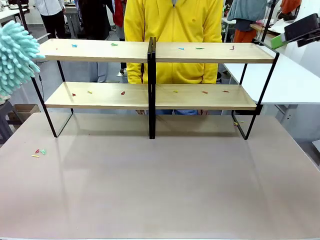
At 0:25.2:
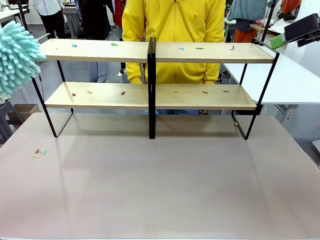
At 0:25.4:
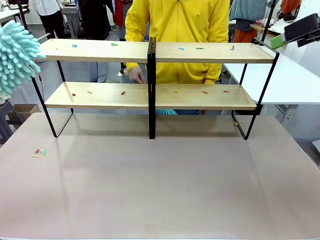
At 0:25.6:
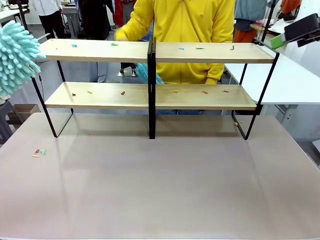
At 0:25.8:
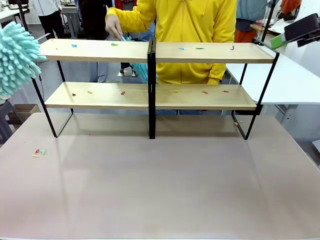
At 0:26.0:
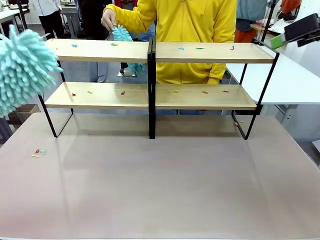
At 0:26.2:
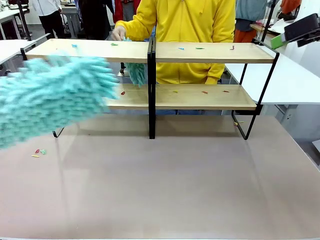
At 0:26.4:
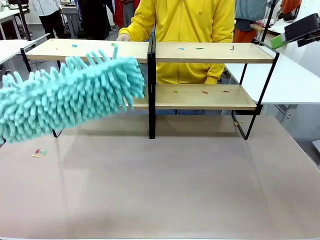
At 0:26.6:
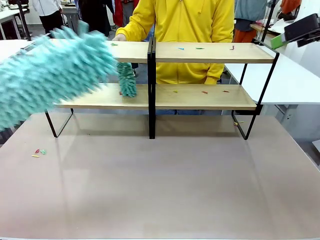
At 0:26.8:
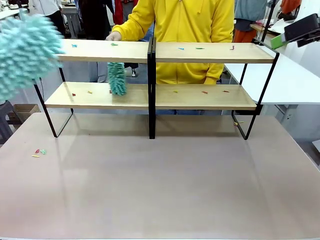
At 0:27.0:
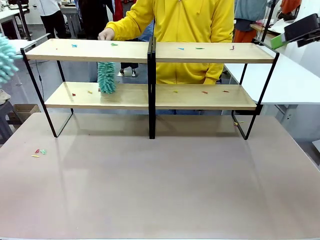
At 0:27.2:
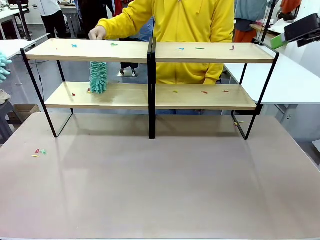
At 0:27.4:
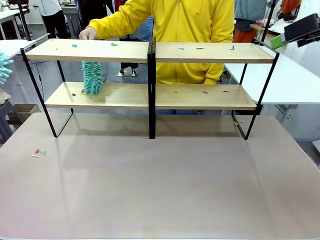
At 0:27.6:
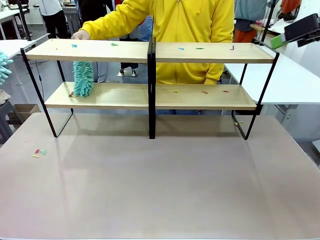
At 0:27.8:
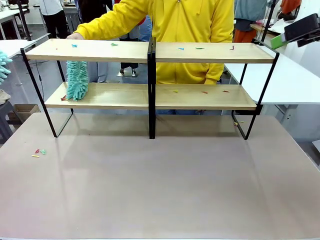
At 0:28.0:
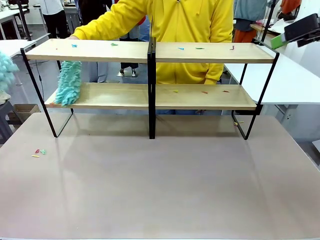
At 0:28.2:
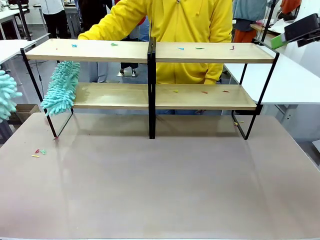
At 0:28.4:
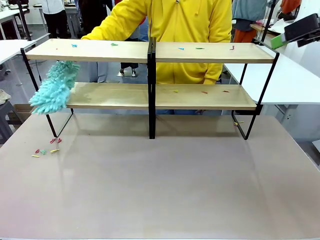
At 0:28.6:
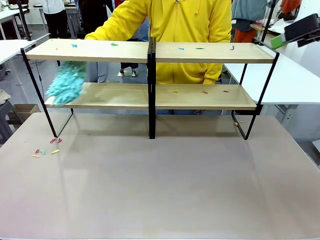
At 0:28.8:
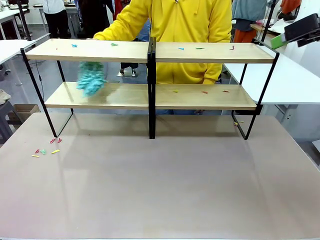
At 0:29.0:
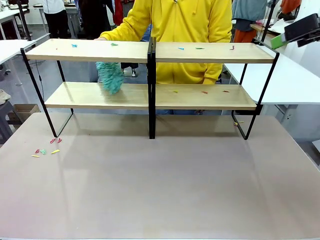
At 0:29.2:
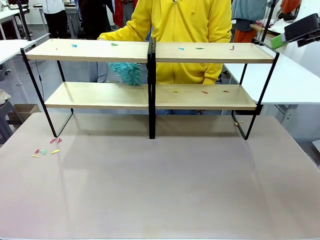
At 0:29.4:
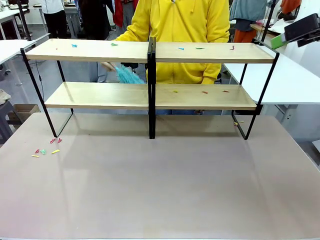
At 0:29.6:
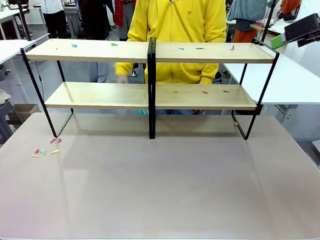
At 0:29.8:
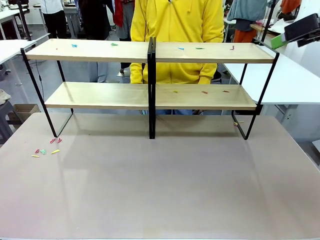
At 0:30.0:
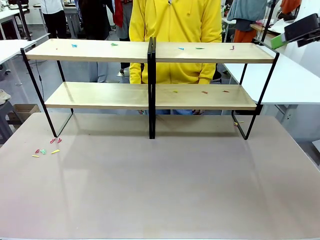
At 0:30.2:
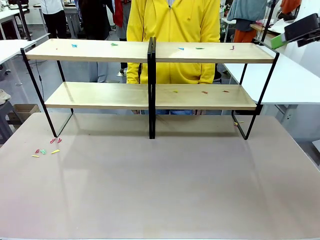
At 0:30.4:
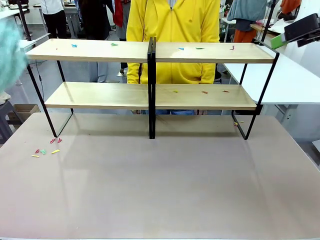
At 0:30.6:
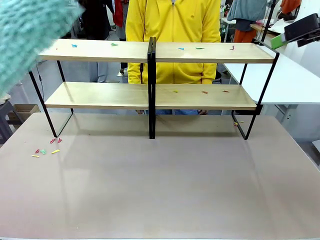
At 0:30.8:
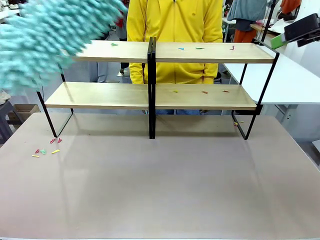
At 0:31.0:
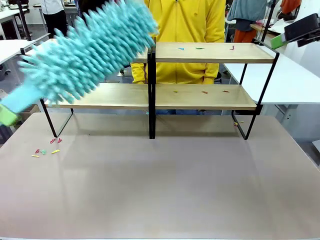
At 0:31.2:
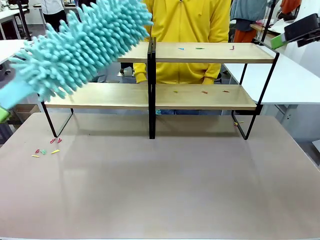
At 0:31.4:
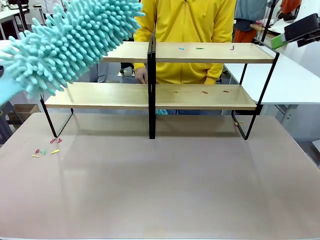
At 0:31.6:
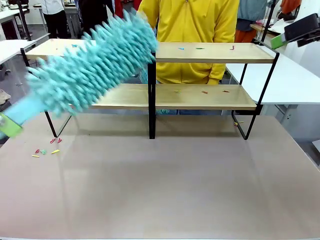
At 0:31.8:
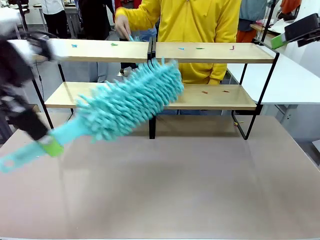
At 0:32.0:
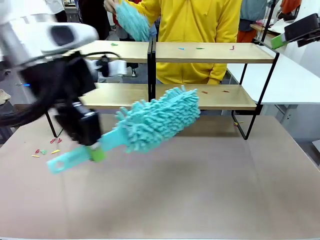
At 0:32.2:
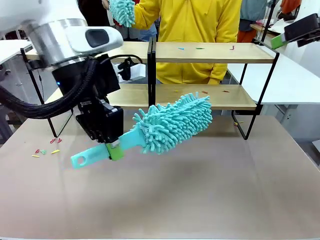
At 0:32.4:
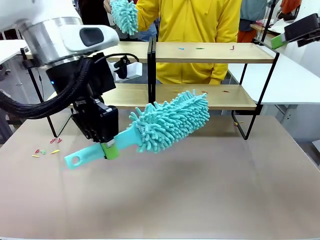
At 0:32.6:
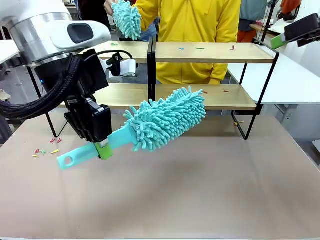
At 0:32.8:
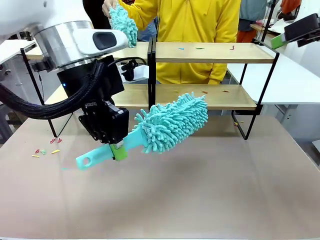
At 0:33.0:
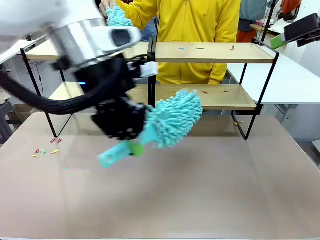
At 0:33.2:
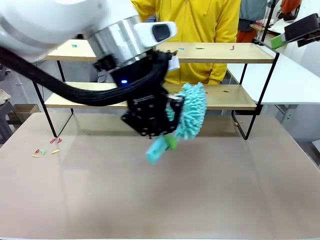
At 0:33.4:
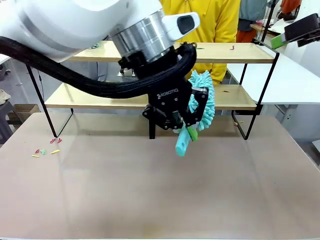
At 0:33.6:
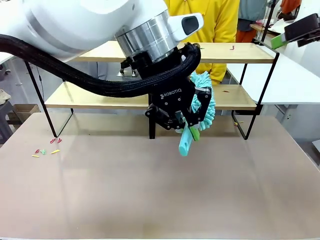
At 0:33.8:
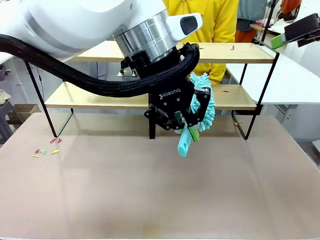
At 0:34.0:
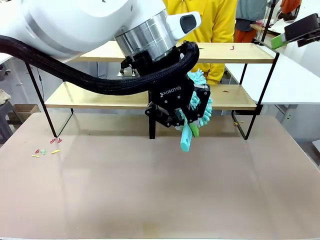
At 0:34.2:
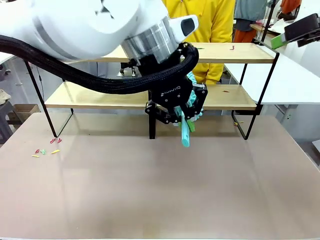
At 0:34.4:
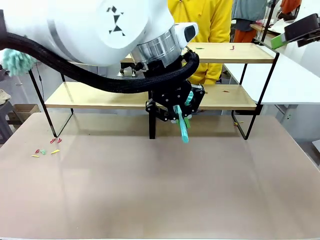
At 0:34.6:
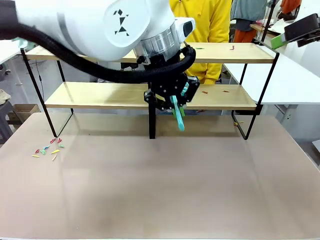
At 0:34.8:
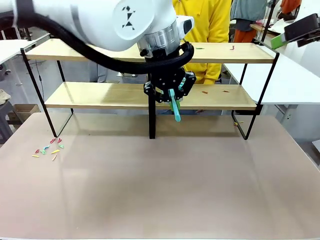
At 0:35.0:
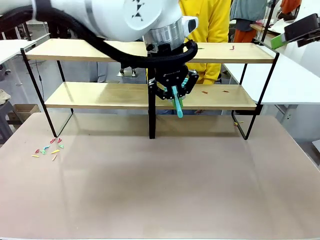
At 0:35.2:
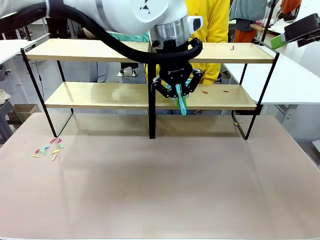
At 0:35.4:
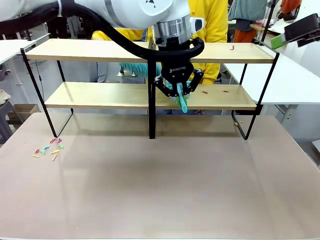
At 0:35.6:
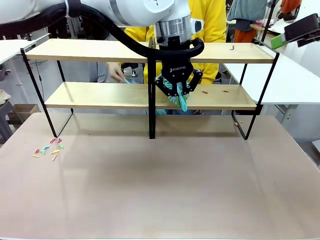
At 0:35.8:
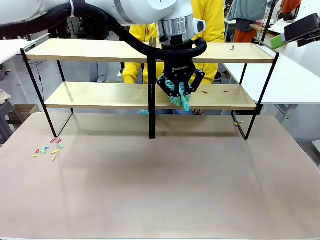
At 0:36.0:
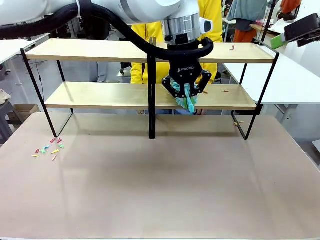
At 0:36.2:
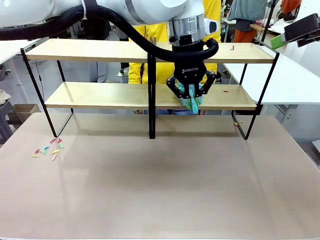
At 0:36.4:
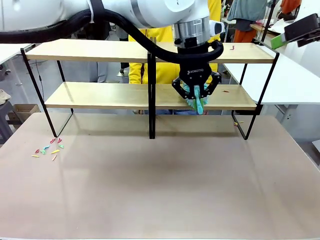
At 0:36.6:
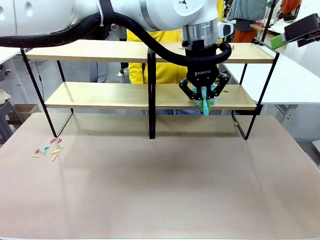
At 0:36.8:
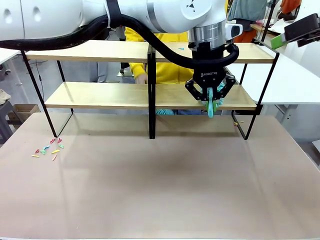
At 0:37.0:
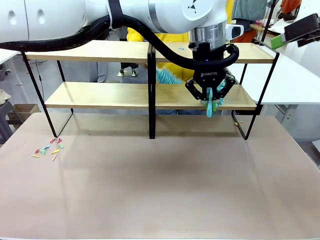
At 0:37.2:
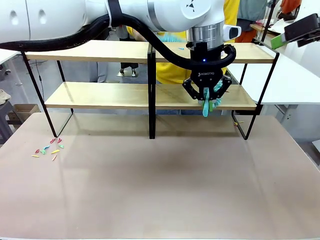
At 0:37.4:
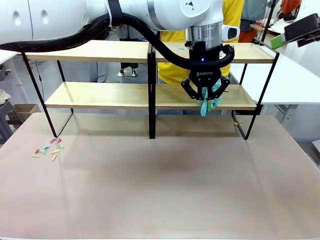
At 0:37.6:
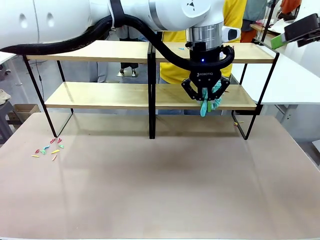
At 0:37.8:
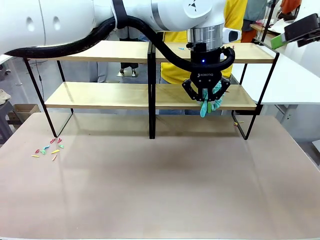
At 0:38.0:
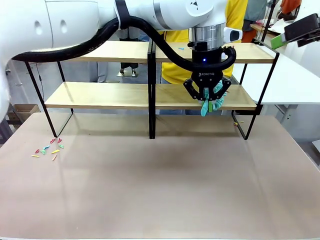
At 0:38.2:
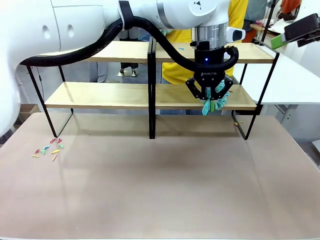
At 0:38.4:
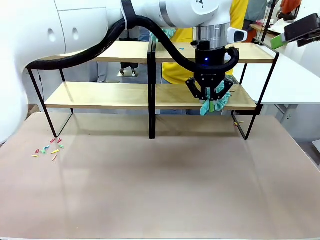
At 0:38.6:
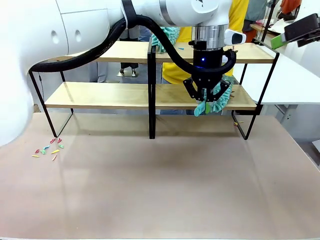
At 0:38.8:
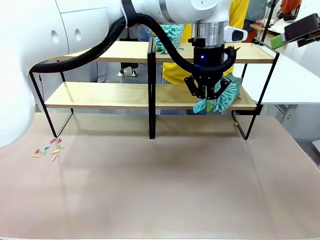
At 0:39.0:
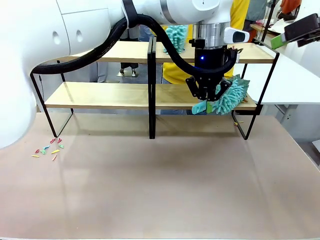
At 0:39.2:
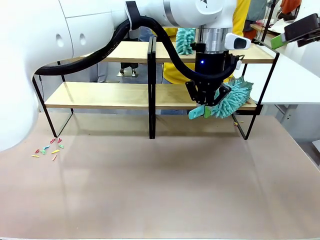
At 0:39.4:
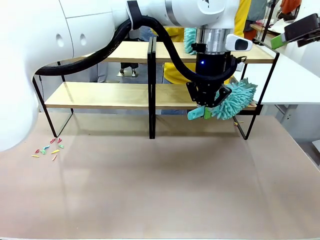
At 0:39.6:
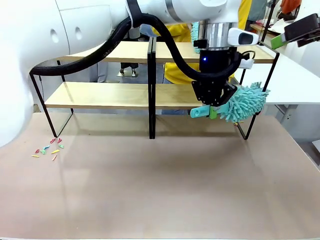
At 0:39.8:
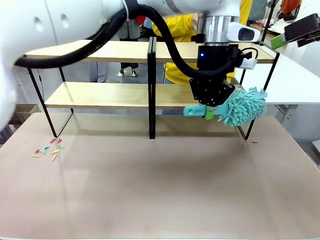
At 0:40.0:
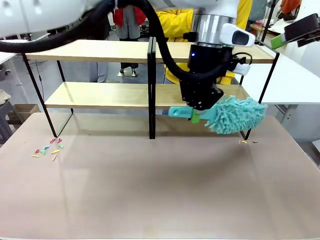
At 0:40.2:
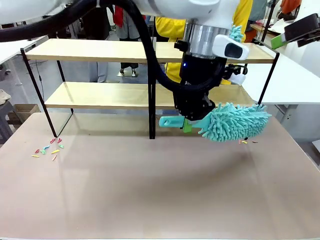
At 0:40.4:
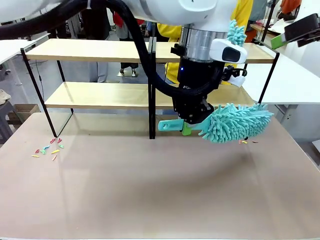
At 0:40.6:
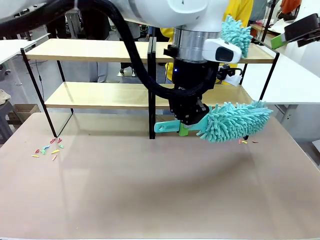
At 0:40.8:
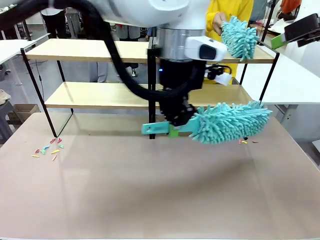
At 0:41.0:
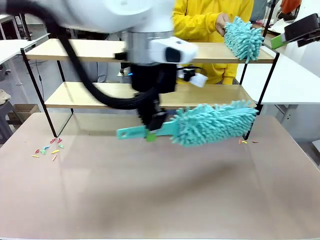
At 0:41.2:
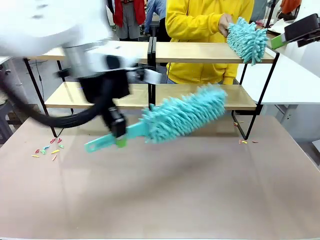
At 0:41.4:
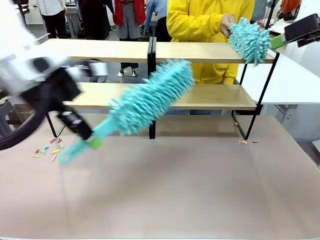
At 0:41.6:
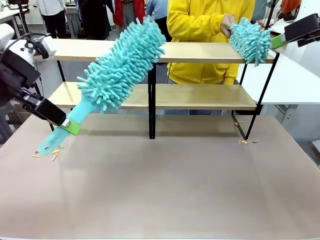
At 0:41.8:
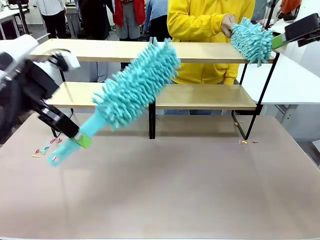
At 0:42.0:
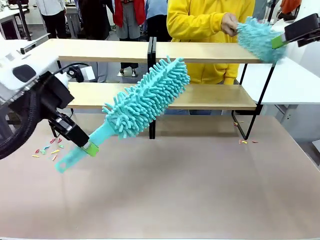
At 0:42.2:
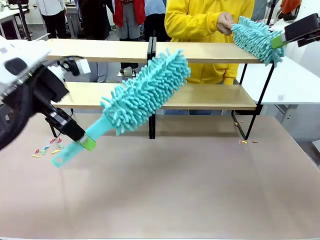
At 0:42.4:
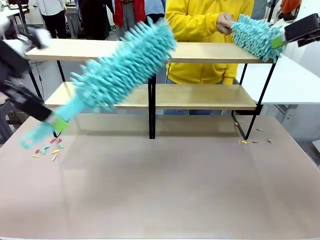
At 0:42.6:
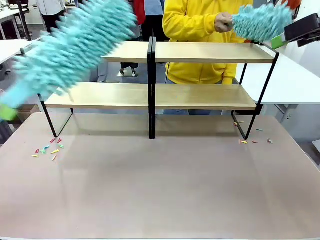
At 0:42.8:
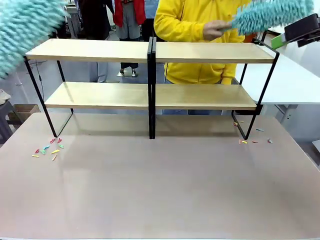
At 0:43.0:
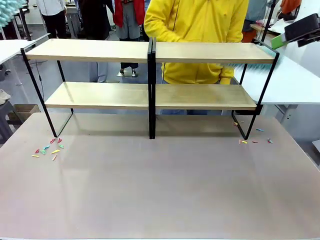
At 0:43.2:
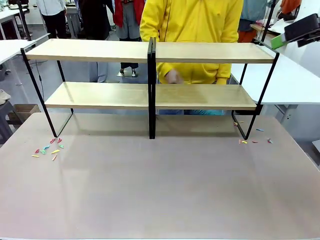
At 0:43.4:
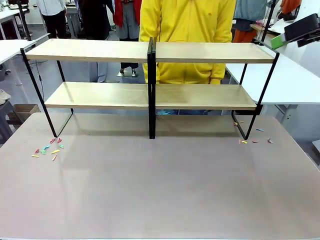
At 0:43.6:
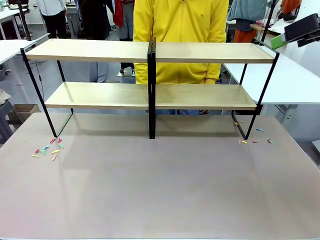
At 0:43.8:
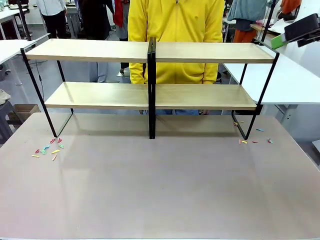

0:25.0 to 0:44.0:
Task: Clean the shelves.
Robot: Clean another randomly selected level of the Shelf with the Duster.
Person: Clean a randomly selected level of the Shelf with the Duster.

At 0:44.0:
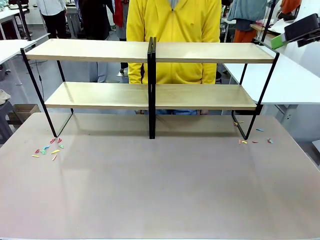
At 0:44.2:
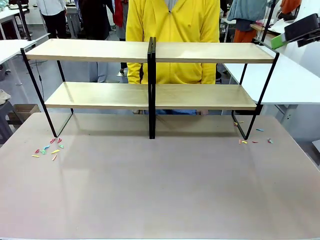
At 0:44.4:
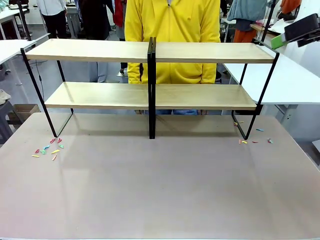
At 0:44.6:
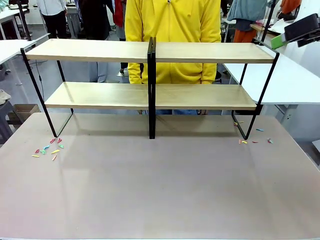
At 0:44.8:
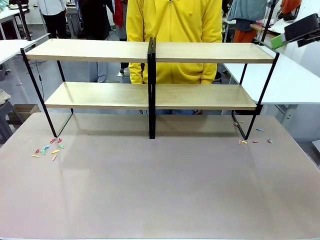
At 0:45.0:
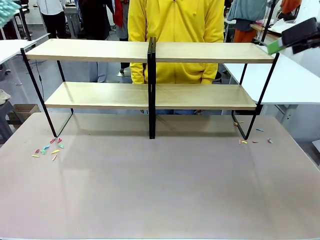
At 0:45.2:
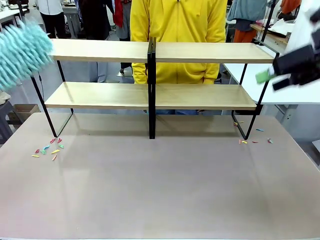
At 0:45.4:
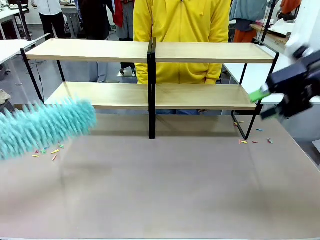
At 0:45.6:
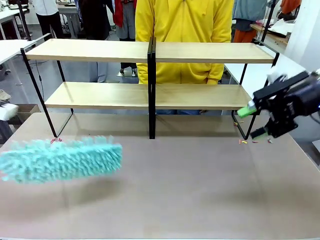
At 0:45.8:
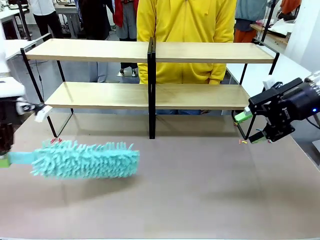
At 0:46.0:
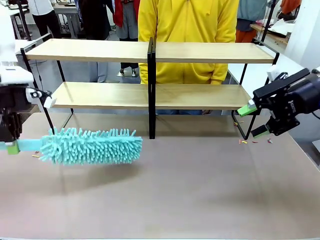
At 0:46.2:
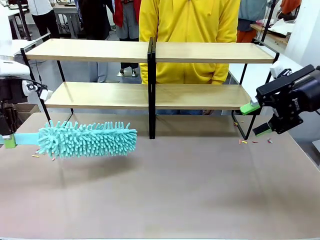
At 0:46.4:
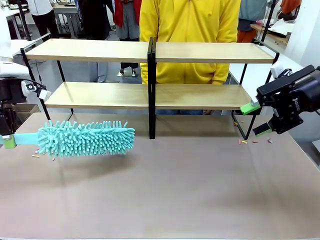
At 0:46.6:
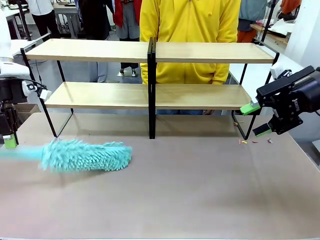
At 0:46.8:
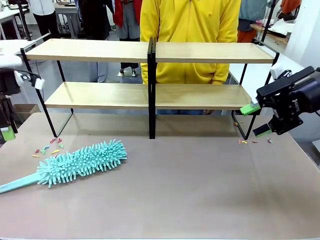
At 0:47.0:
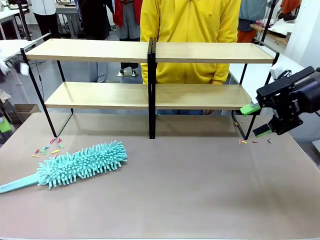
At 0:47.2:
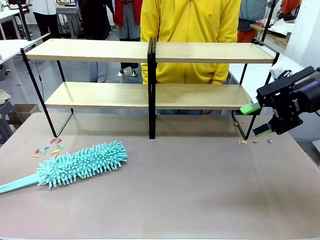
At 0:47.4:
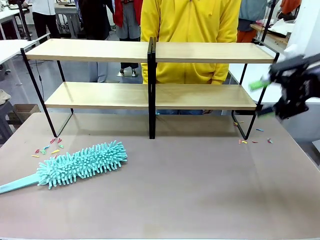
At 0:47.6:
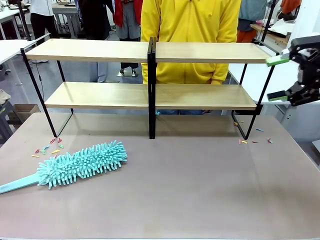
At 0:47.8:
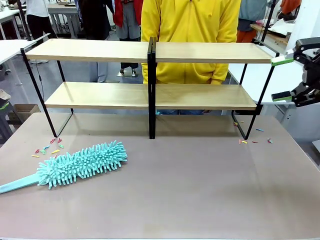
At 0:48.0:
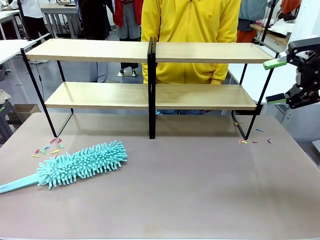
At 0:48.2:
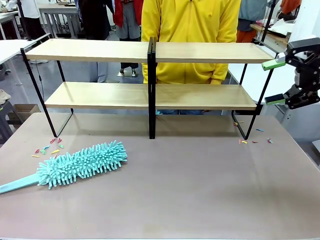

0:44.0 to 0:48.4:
Robot: Place the Duster on the table.
